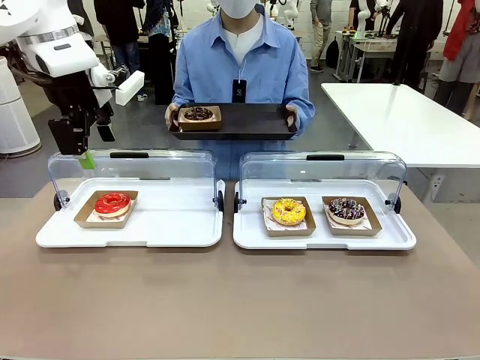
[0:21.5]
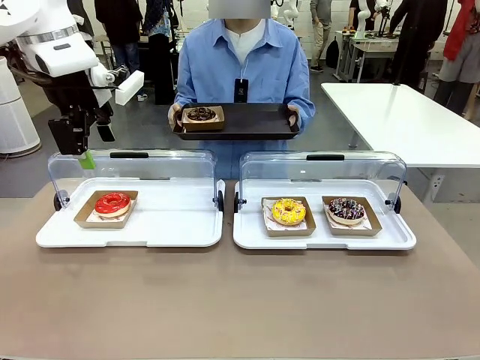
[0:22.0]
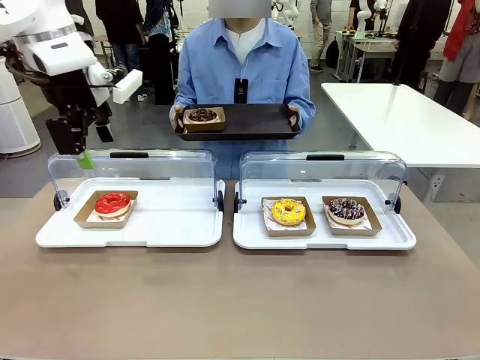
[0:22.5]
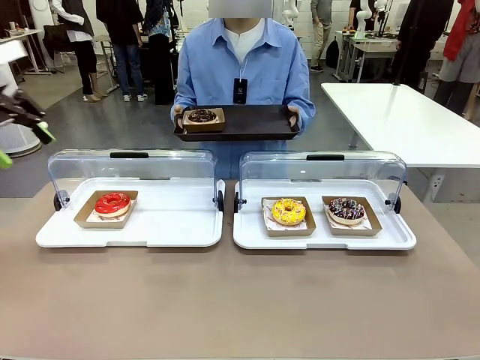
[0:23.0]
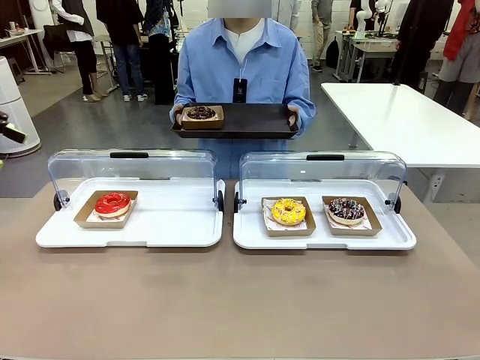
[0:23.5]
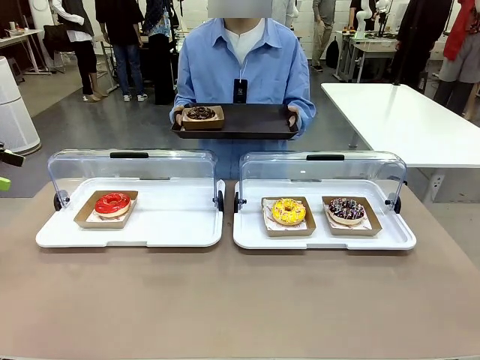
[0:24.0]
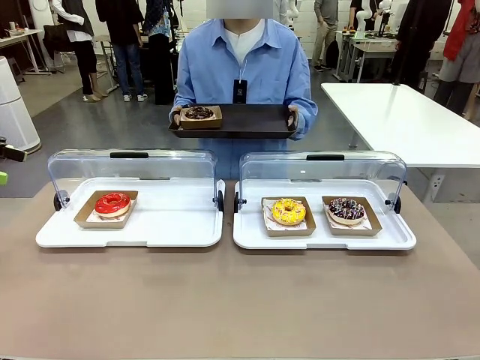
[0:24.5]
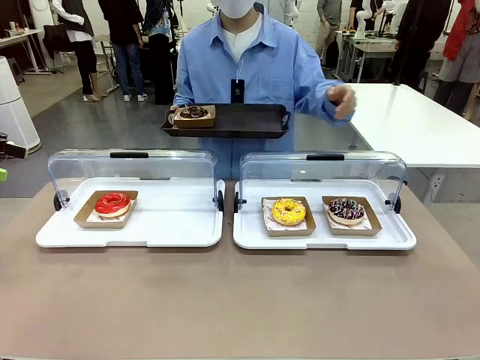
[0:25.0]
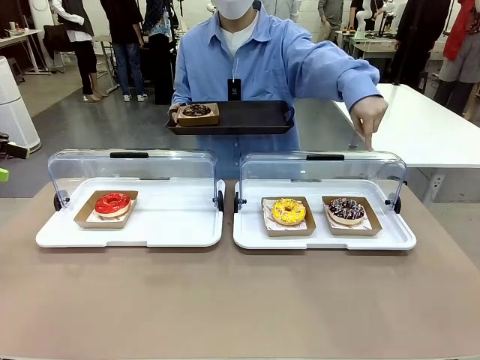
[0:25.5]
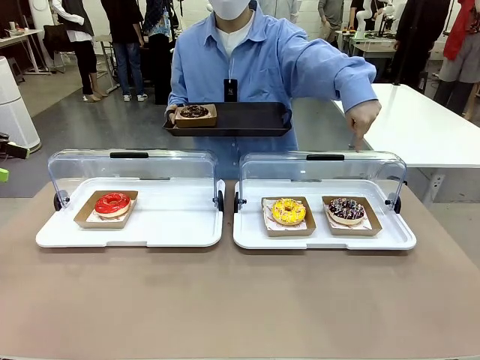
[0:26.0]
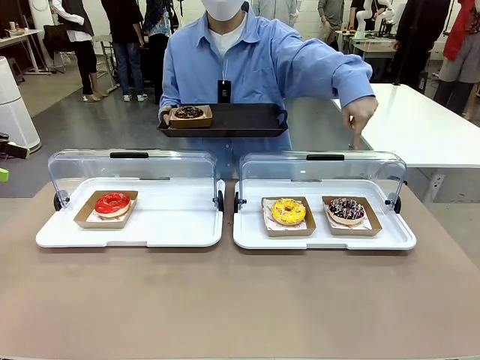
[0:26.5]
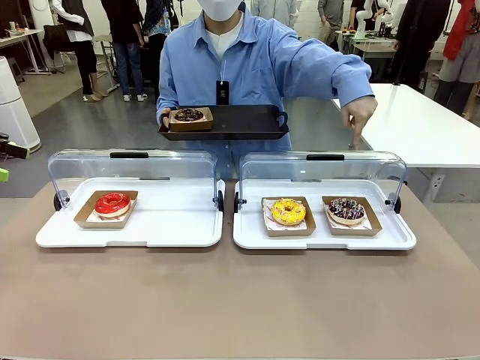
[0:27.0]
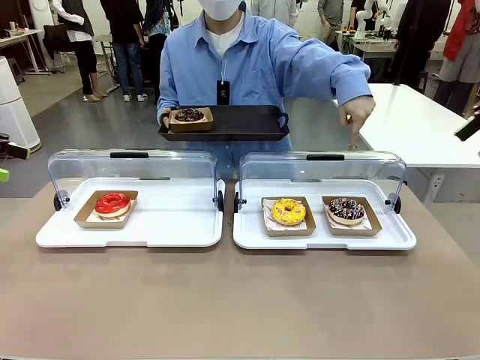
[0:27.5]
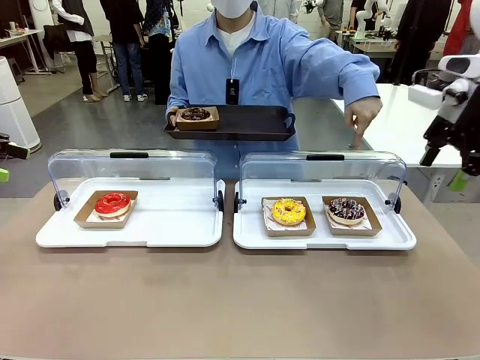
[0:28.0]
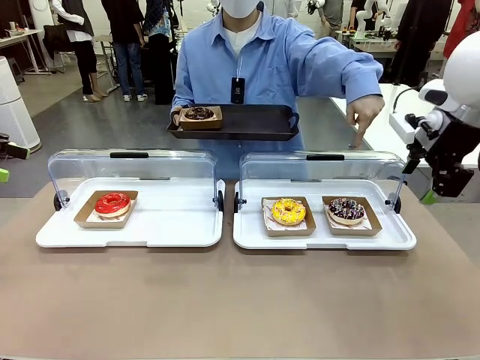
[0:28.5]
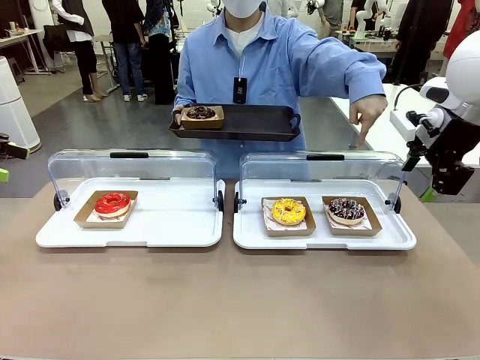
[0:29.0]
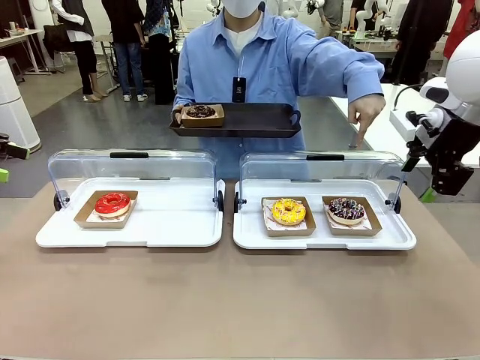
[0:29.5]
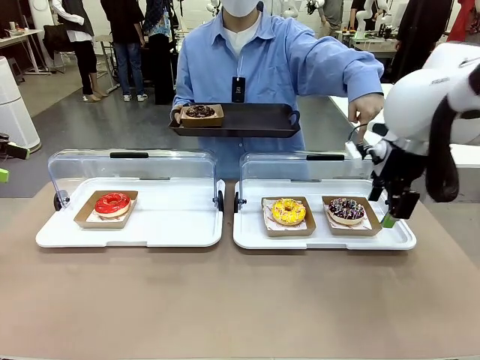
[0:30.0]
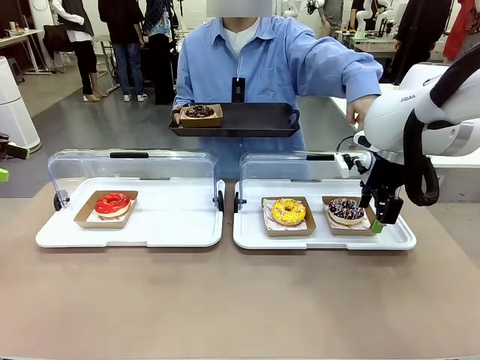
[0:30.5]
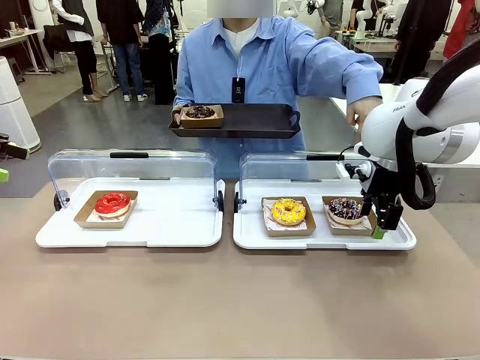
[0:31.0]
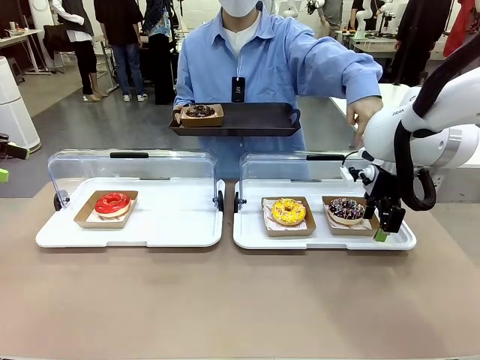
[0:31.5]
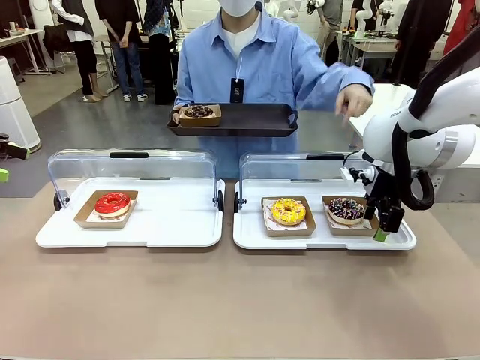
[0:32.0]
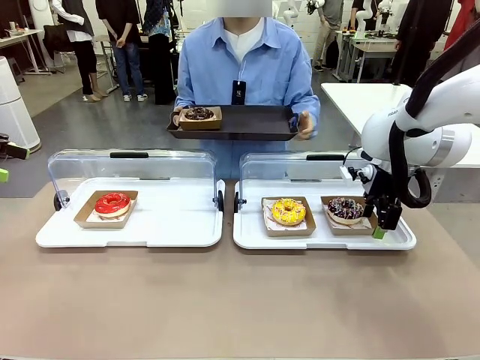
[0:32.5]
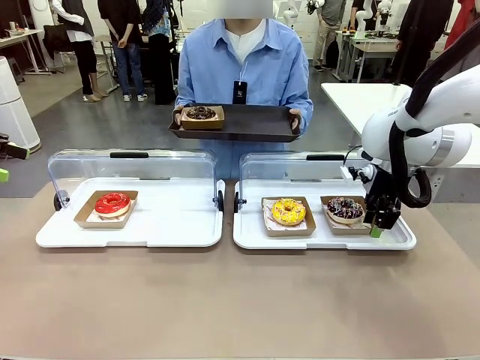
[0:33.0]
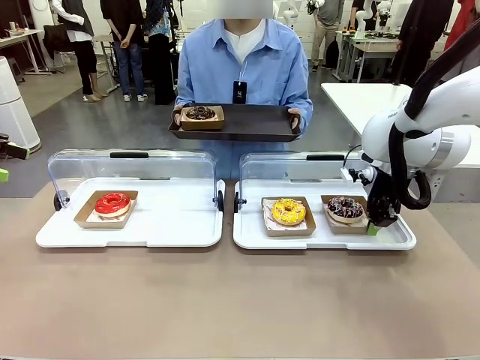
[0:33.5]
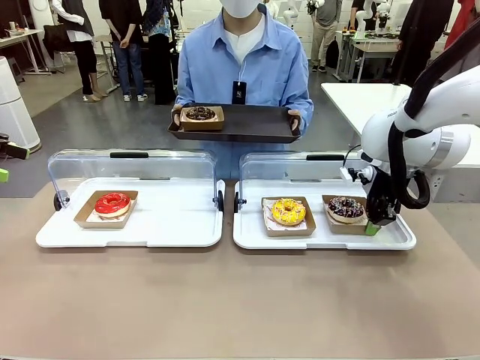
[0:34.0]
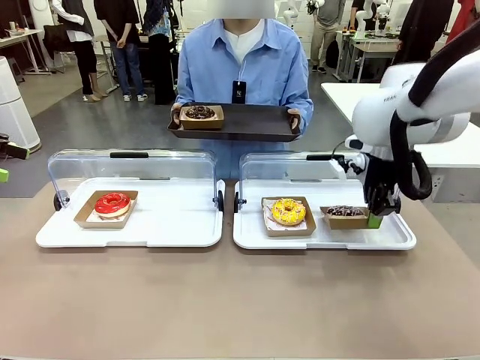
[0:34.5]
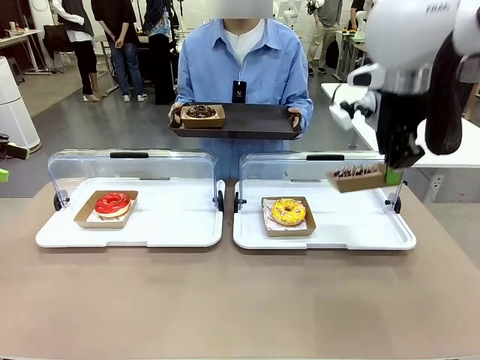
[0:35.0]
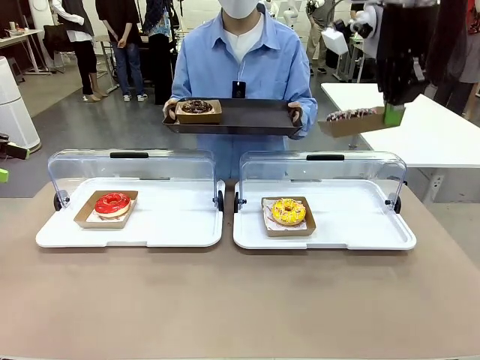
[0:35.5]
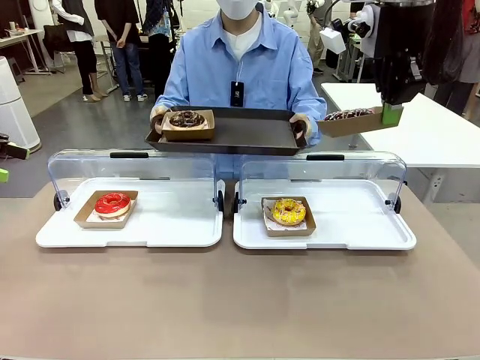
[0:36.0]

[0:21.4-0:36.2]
Task: Provide the desired donut to the person.
Robot: Pick up and lift the Paper togo box containing the Donut pointed at by the person.
Person: Point to one donut. Lift the tray onto the Roll-Top Bakery Case.

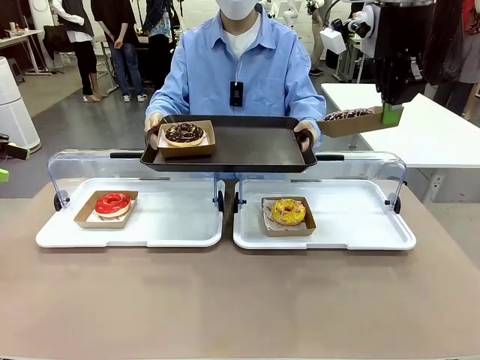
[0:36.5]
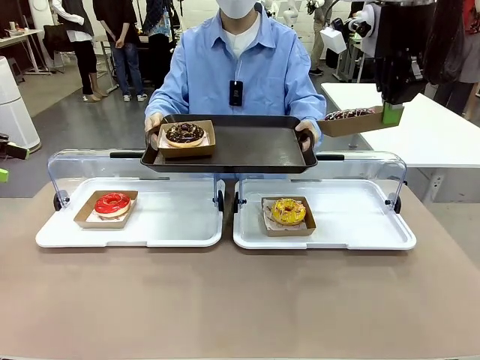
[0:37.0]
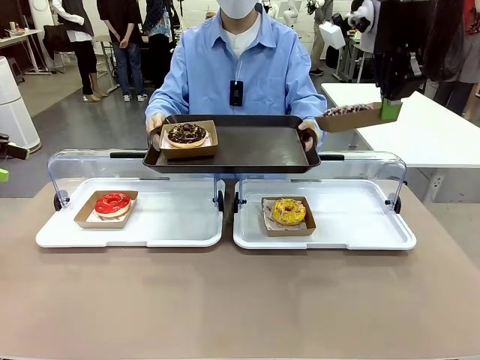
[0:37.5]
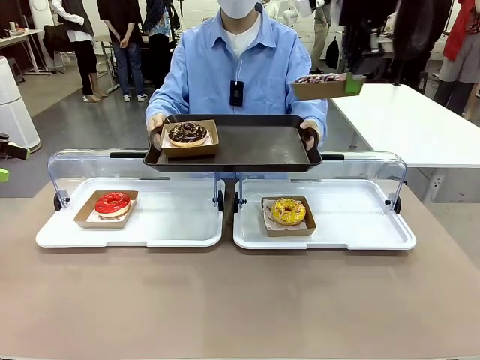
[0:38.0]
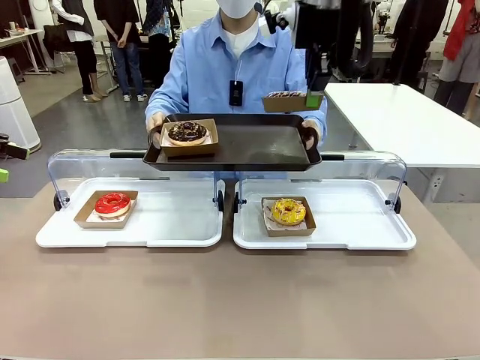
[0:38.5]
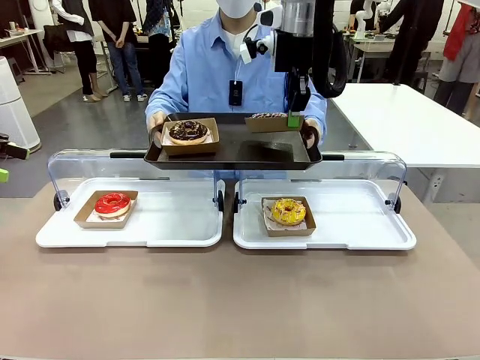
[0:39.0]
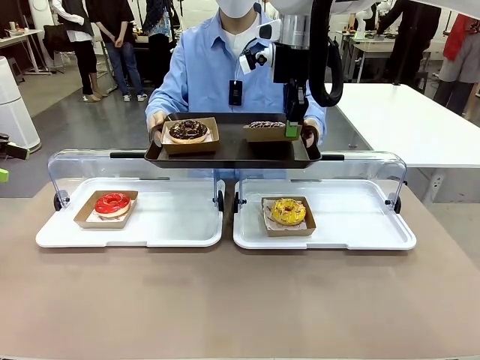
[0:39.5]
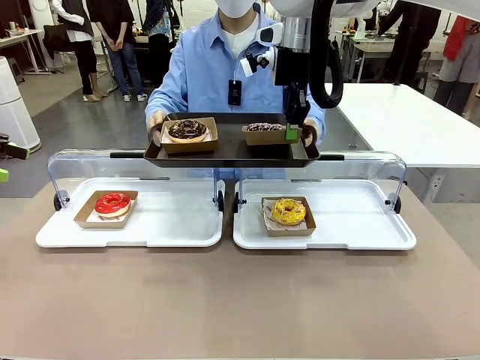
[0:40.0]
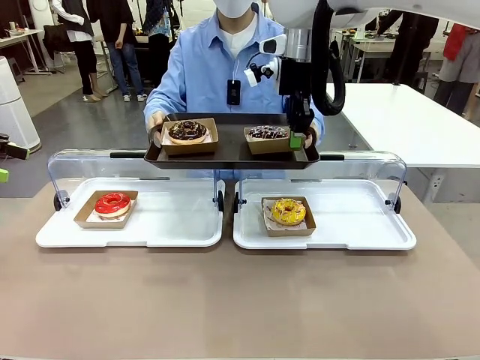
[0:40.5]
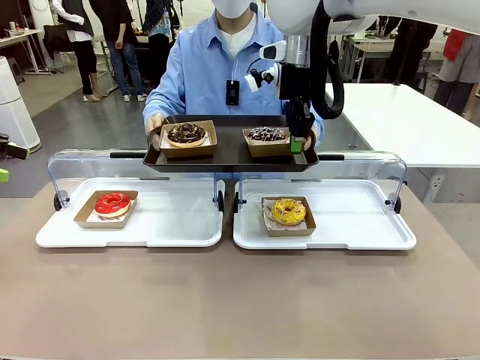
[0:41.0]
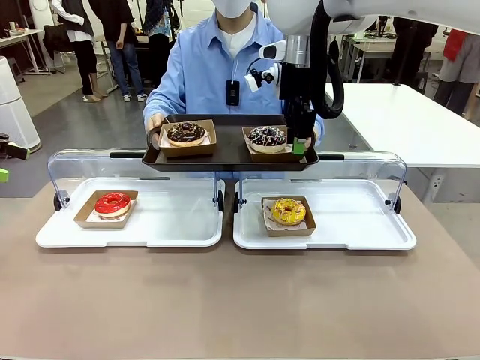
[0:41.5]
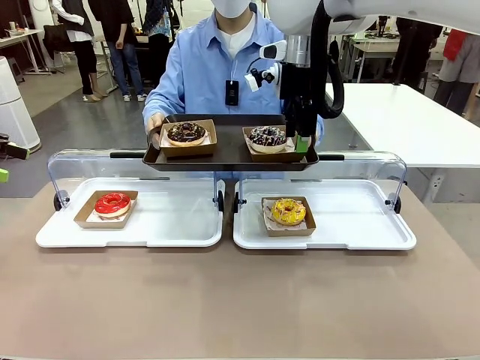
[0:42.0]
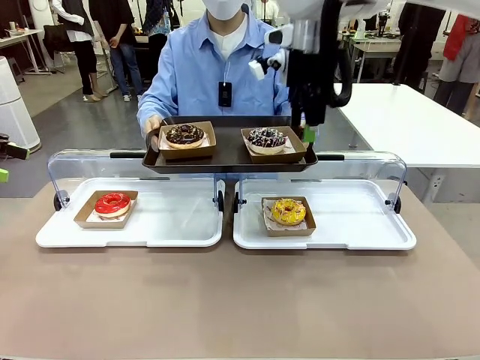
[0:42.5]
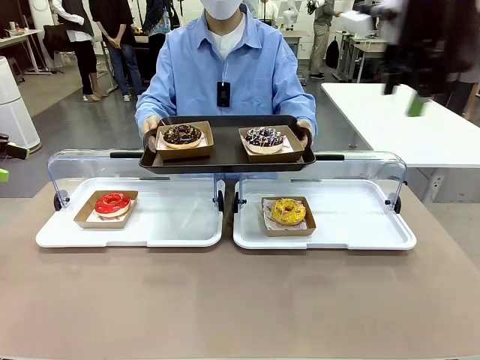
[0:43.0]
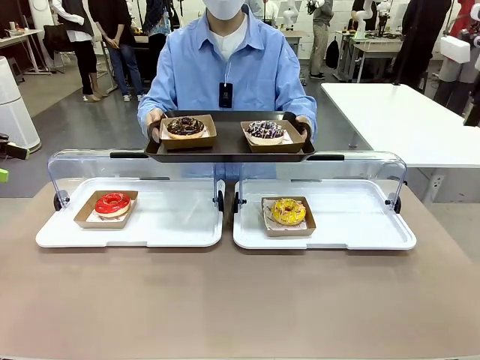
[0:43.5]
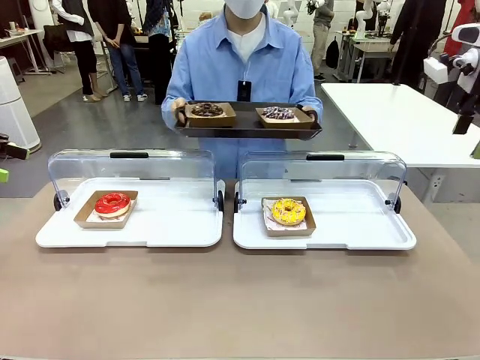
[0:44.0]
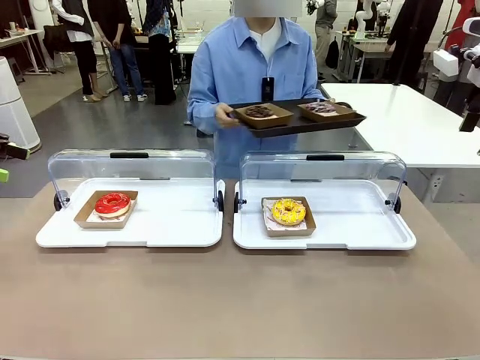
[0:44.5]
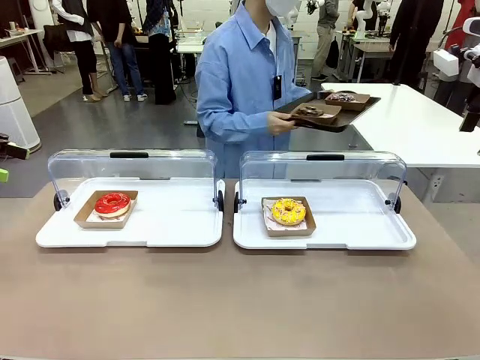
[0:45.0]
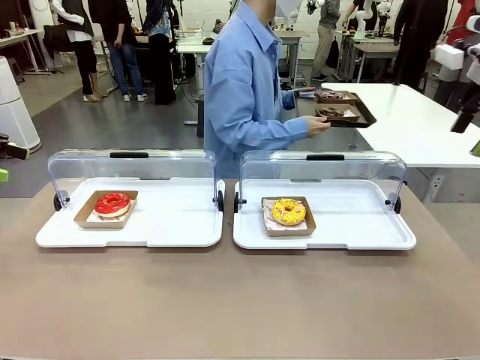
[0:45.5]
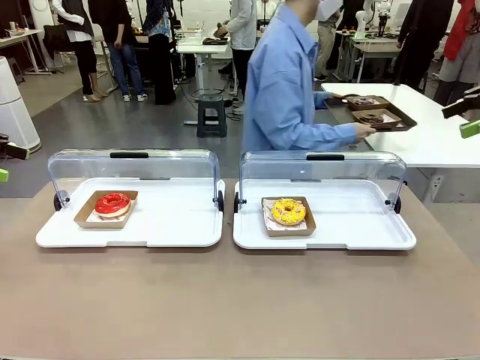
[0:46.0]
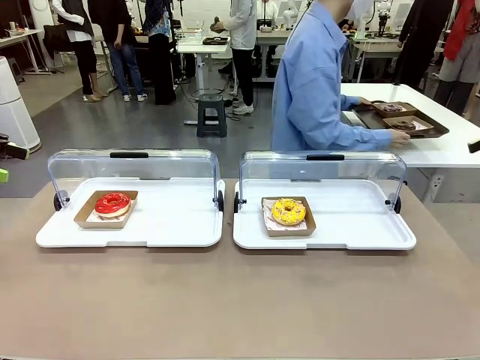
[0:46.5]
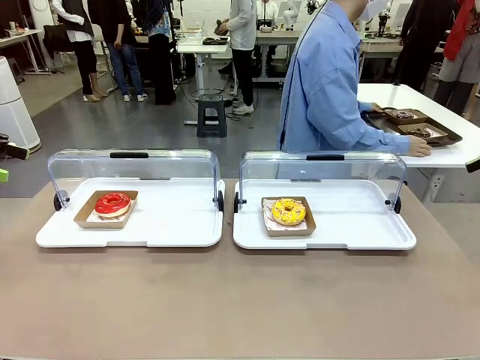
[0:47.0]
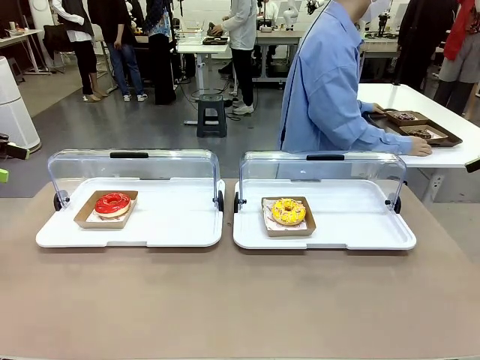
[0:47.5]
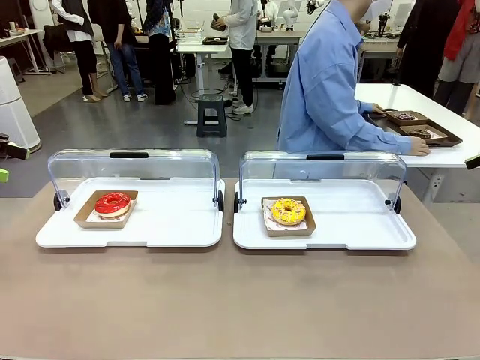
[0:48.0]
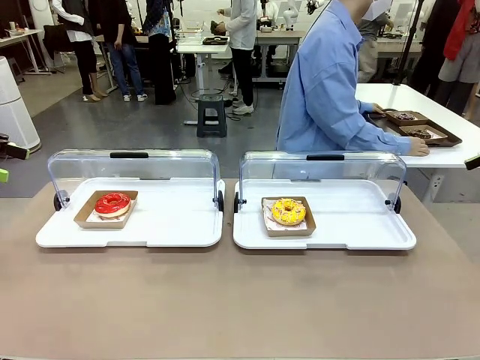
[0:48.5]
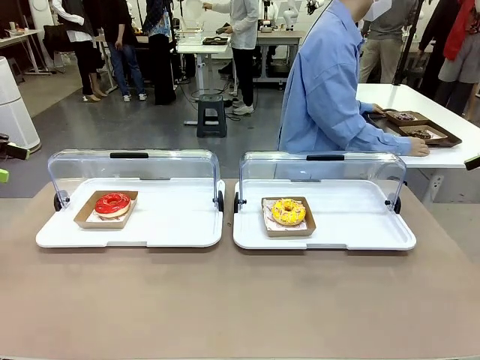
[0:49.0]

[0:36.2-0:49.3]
Robot: Place the picked Paper togo box onto the Handle tray extended by the person.
Person: Place the tray in the middle of the human table.
